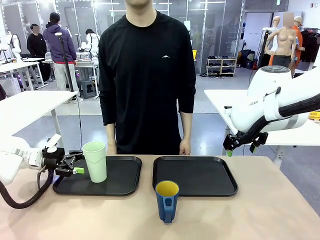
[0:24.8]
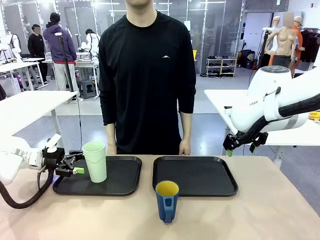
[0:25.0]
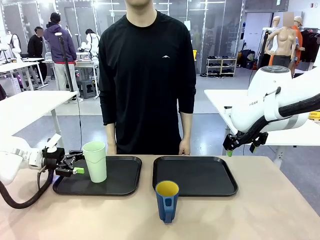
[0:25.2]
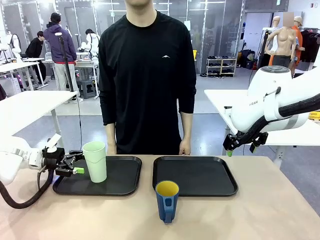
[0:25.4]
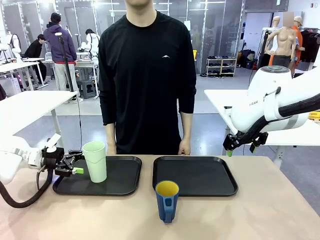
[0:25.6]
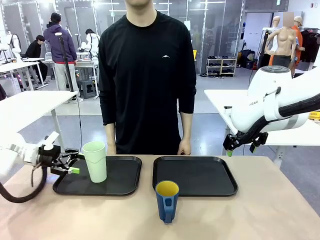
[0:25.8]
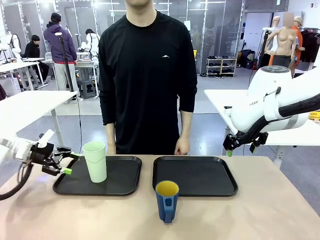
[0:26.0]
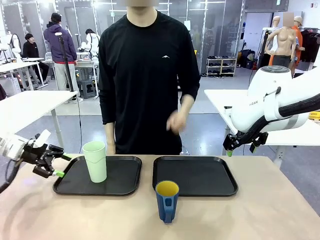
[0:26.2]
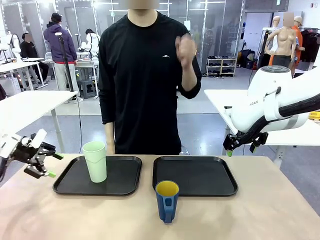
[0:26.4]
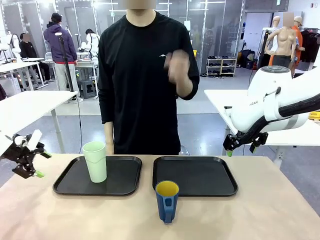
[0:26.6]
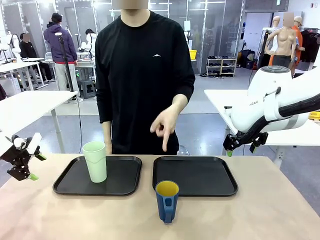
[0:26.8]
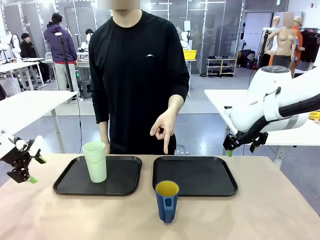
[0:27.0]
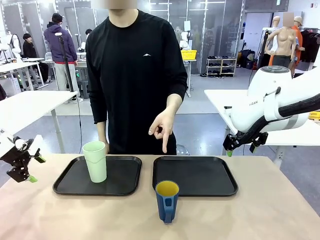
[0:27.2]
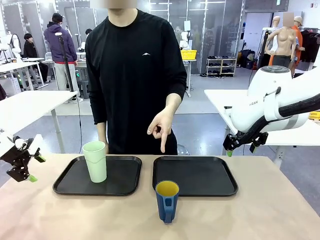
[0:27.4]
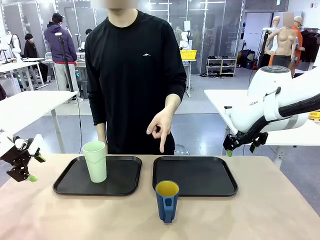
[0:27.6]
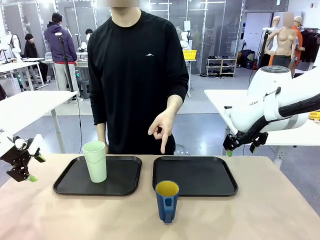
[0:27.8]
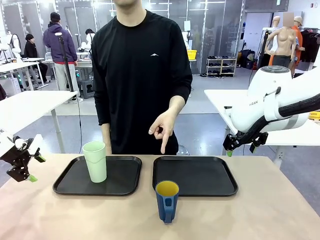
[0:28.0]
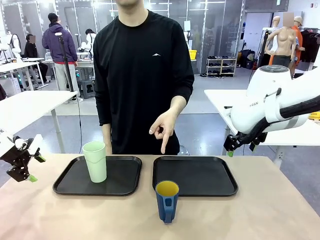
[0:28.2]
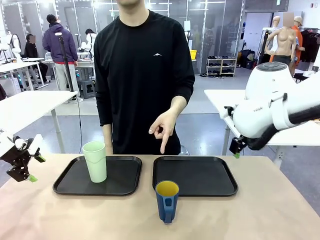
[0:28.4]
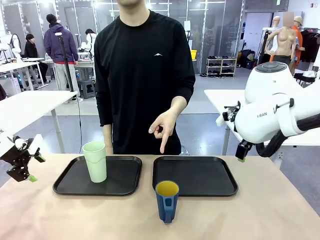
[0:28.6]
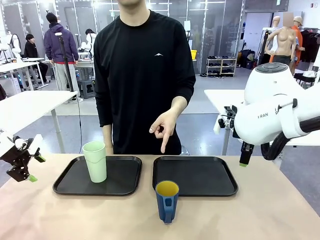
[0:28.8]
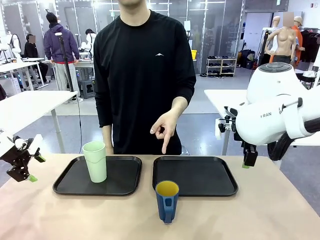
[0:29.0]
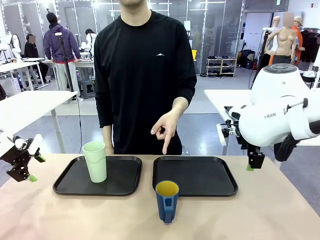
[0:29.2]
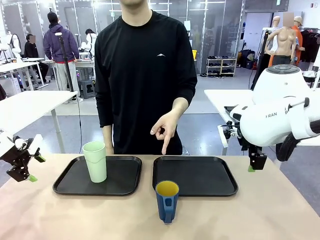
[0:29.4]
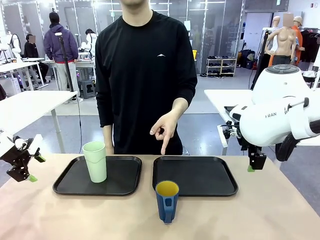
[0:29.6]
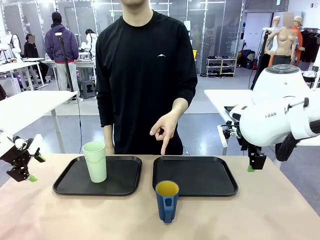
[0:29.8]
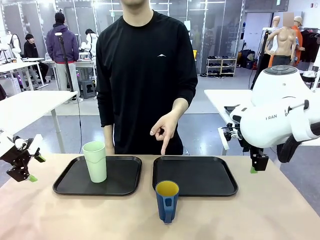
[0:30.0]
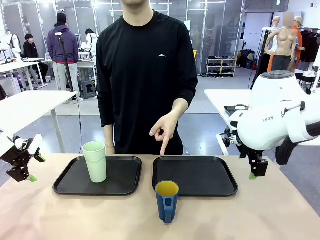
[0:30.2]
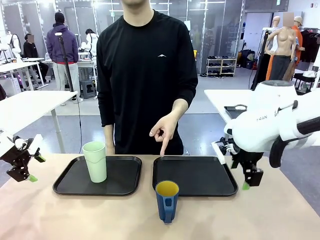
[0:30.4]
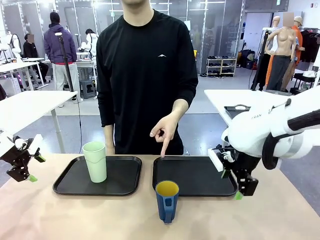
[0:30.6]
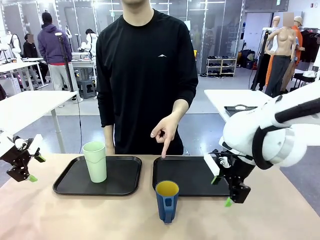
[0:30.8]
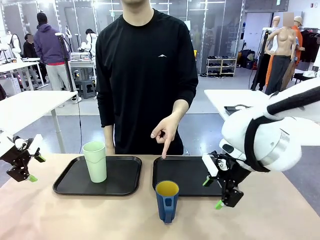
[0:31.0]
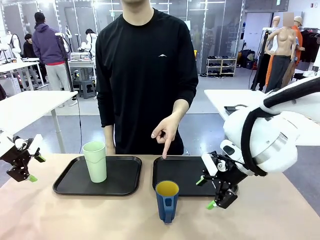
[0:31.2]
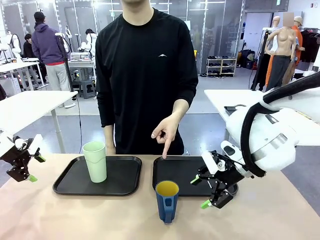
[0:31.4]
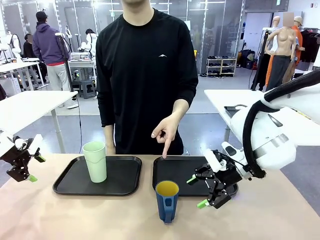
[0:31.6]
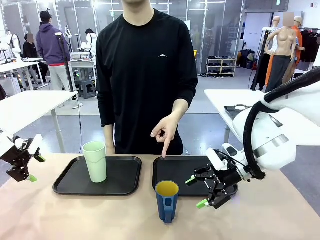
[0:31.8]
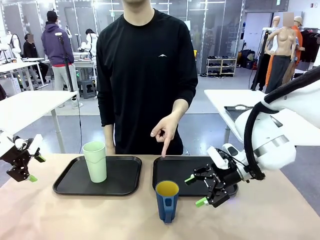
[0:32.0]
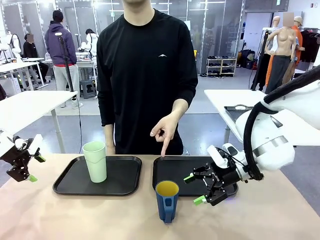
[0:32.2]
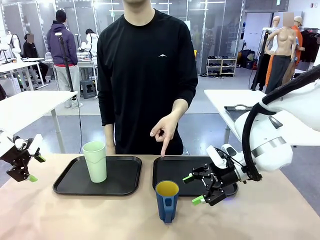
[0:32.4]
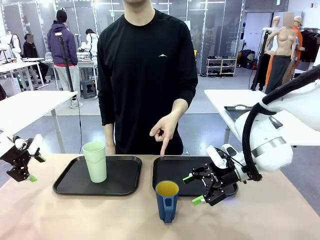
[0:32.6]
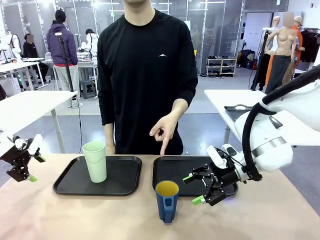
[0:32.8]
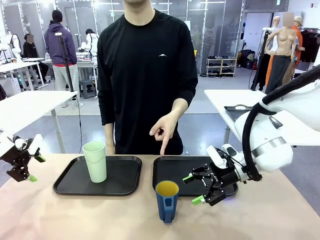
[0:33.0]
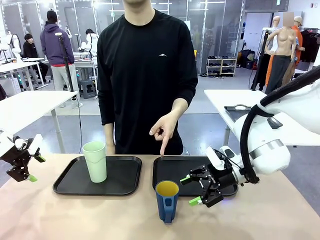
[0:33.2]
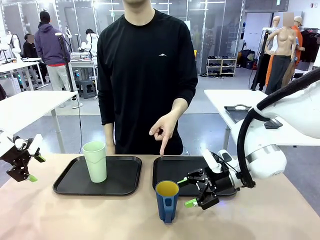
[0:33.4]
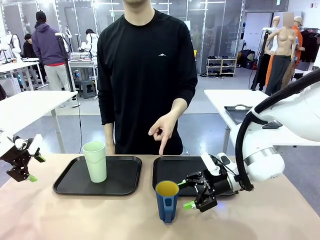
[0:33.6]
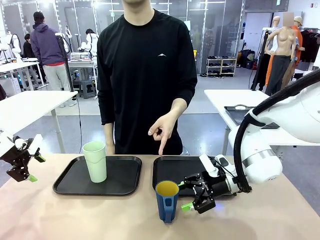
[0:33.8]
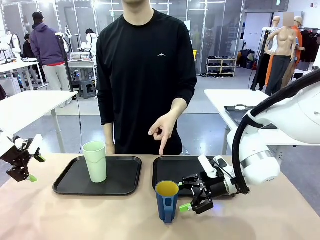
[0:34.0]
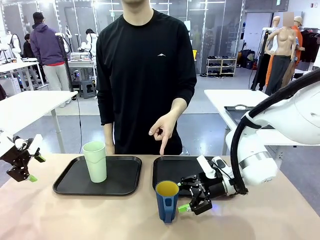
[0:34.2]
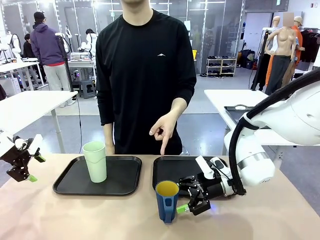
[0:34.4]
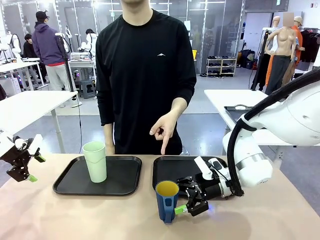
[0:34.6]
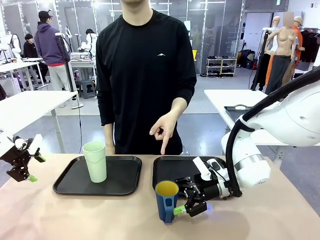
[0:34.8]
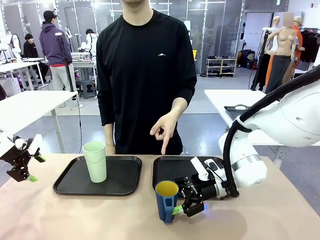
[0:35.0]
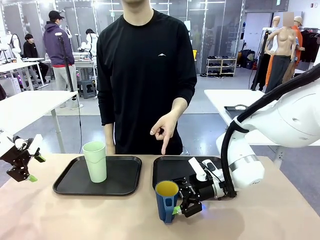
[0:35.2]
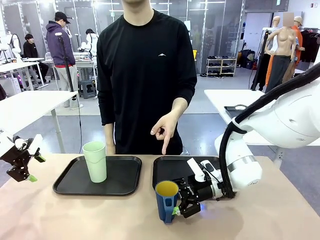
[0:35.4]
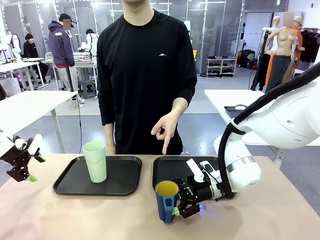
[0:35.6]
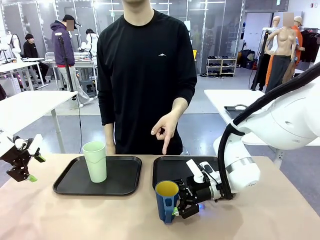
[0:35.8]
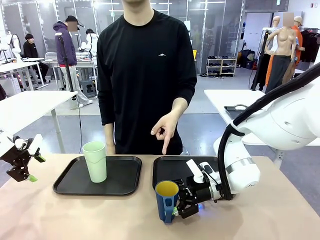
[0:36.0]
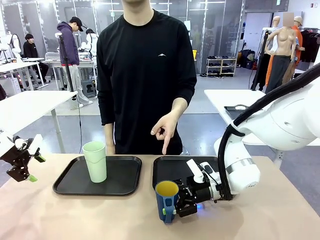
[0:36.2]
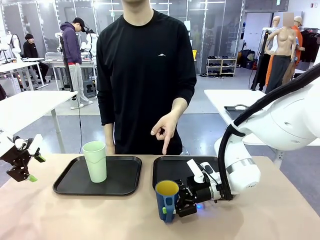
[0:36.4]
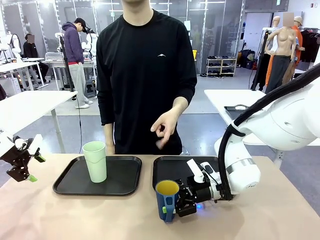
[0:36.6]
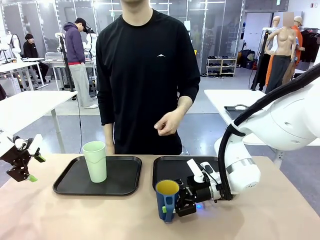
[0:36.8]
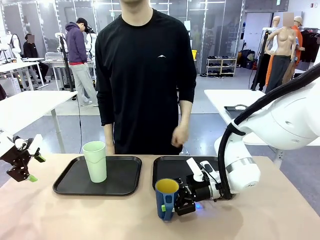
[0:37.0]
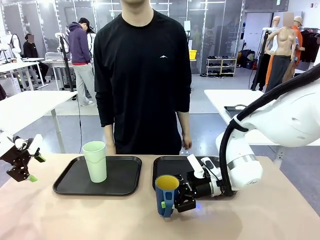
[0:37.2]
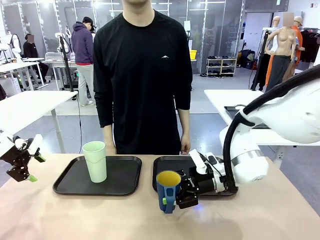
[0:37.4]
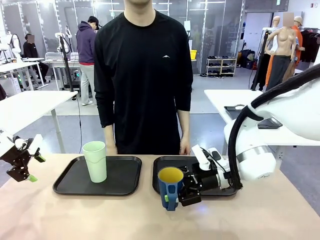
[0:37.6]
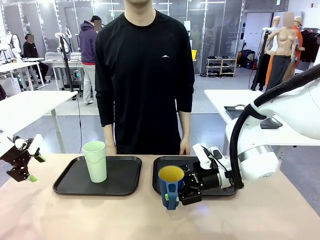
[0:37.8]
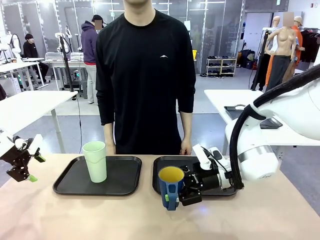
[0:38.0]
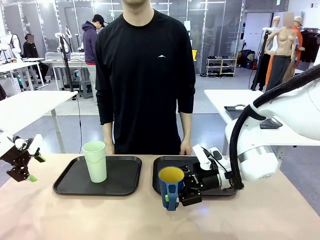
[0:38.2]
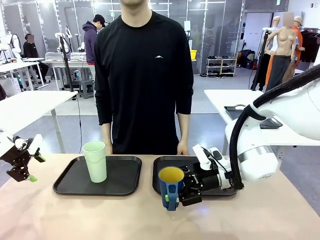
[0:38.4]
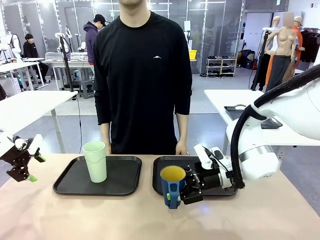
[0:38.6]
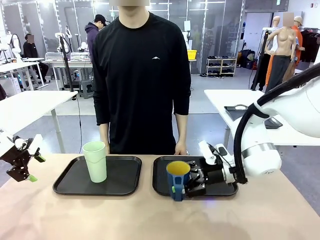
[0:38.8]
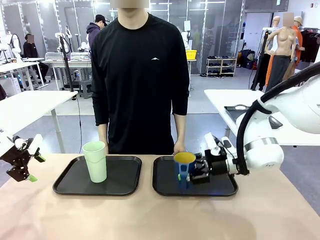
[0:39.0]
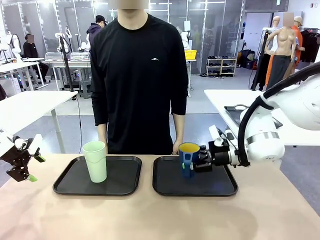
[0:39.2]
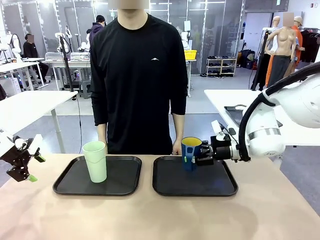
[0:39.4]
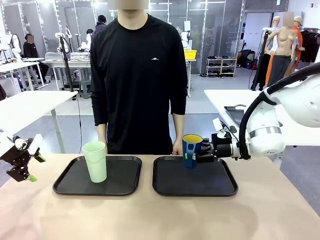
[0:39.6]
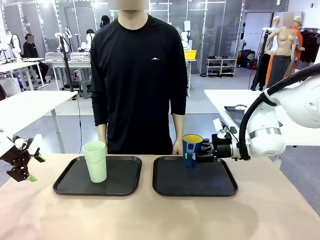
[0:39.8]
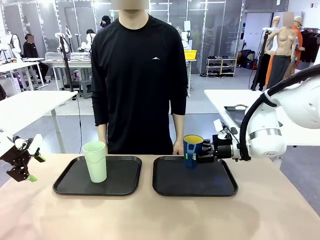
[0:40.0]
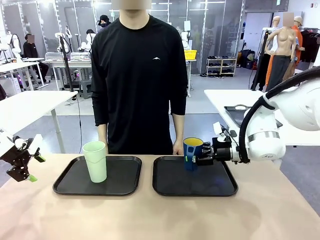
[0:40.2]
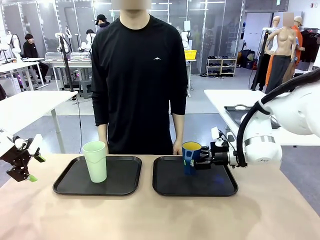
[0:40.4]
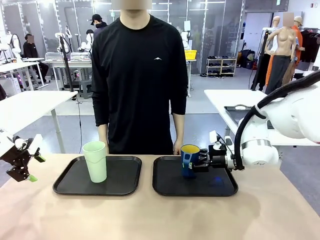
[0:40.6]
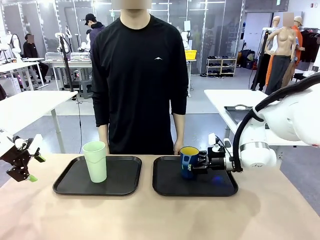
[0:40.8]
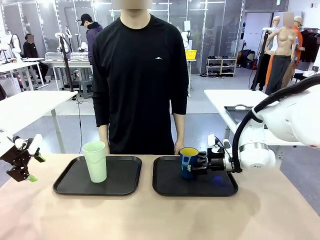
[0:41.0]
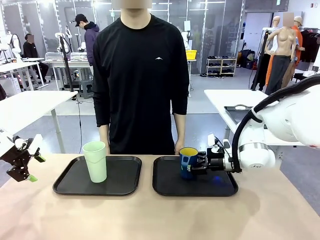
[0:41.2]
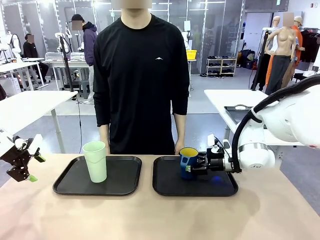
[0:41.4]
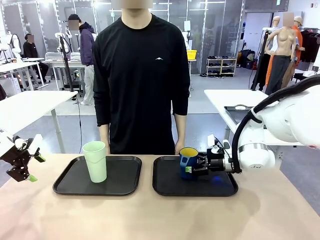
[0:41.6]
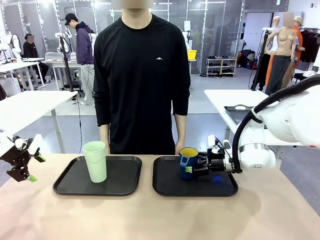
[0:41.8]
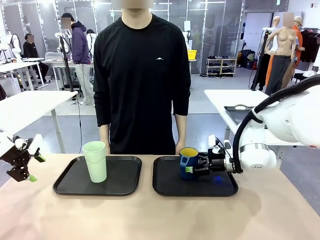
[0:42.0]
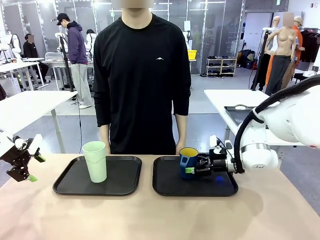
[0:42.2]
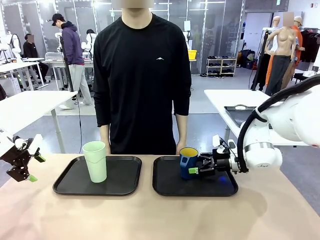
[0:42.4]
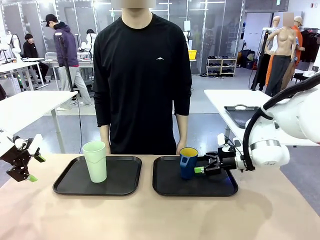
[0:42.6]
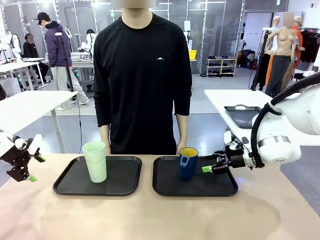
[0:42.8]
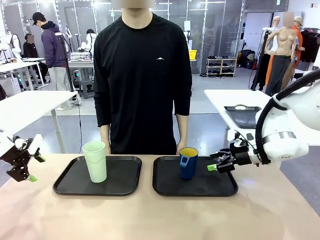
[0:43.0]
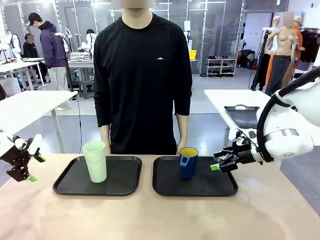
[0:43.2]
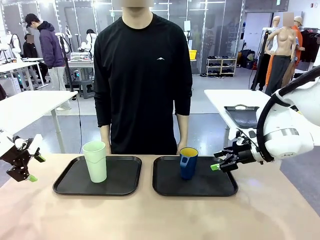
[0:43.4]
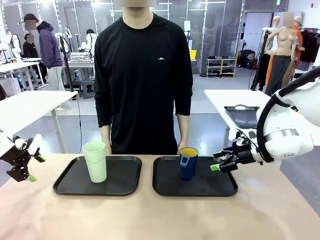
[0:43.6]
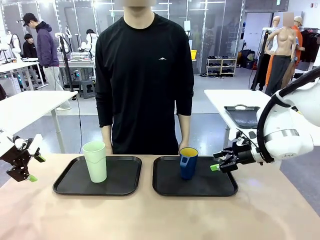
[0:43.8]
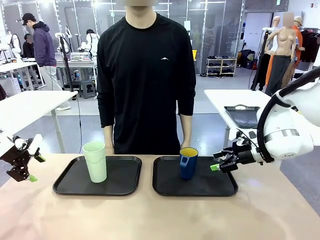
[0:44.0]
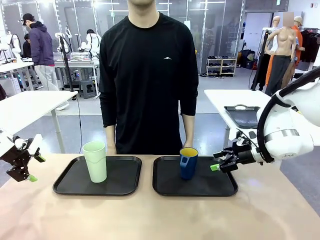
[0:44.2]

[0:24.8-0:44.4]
Task: Sort and store the cups by type.
Robot: Pick up the Handle plastic cup and place it into the empty Flat Tray.
Person: Points to the cup with a handle.
